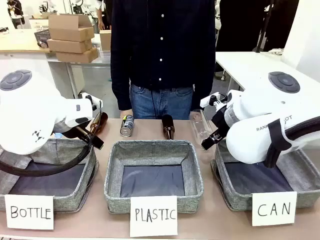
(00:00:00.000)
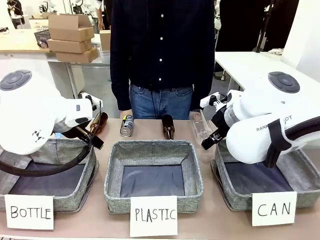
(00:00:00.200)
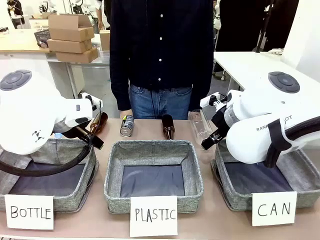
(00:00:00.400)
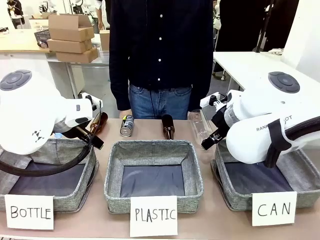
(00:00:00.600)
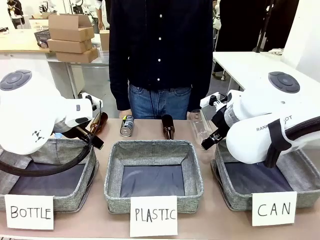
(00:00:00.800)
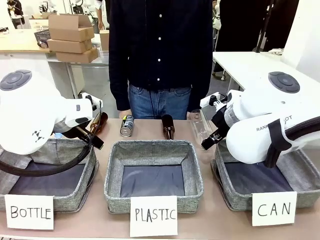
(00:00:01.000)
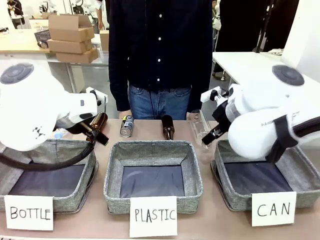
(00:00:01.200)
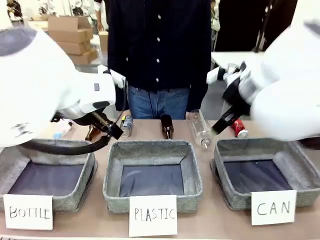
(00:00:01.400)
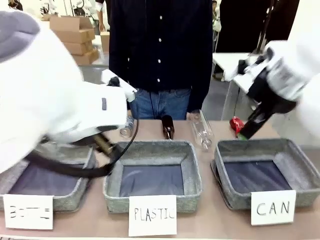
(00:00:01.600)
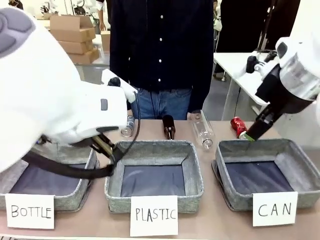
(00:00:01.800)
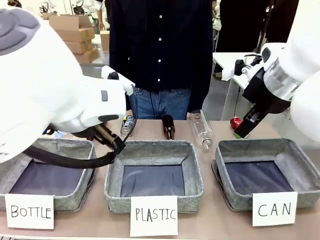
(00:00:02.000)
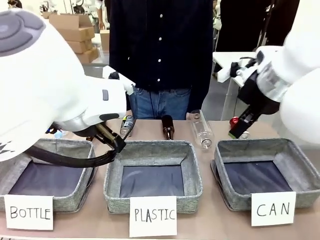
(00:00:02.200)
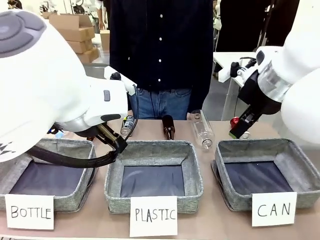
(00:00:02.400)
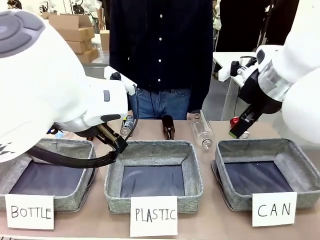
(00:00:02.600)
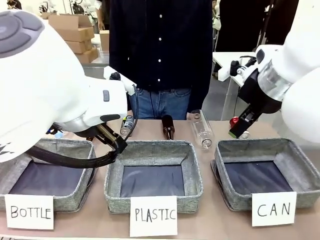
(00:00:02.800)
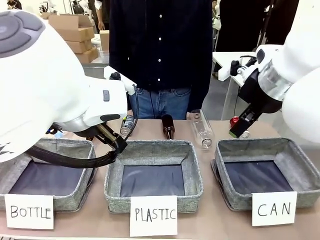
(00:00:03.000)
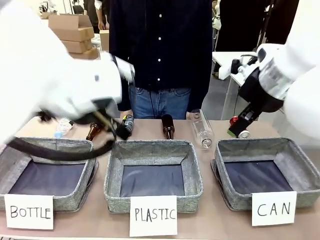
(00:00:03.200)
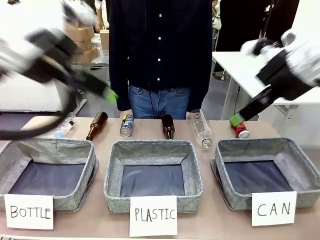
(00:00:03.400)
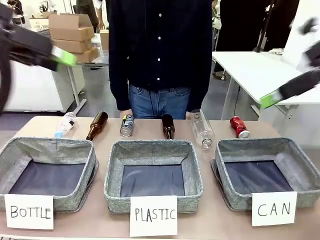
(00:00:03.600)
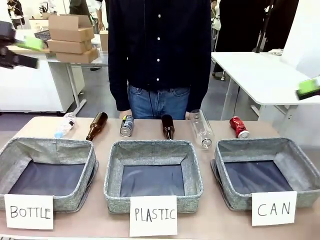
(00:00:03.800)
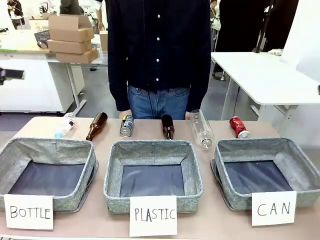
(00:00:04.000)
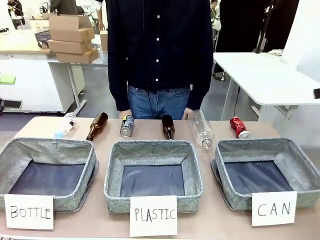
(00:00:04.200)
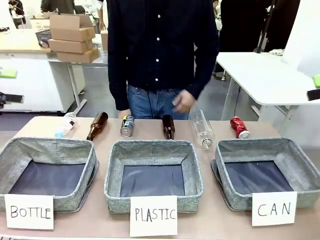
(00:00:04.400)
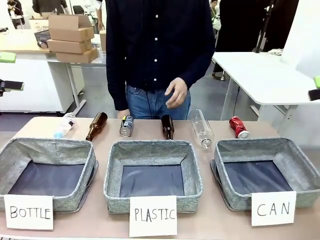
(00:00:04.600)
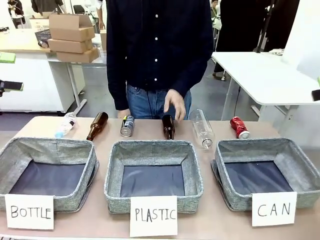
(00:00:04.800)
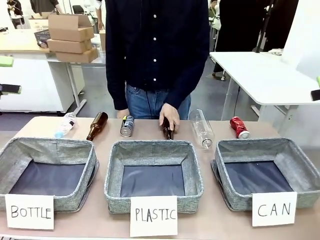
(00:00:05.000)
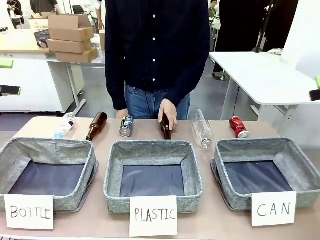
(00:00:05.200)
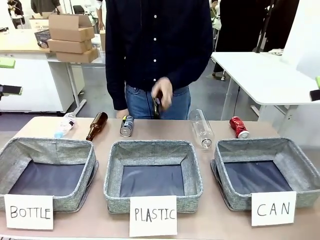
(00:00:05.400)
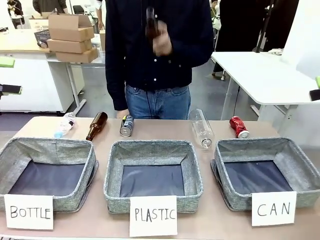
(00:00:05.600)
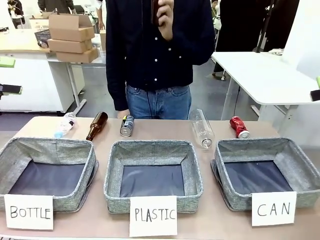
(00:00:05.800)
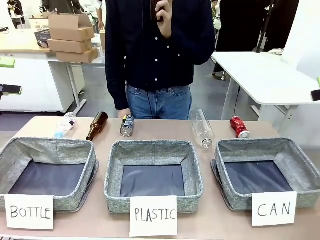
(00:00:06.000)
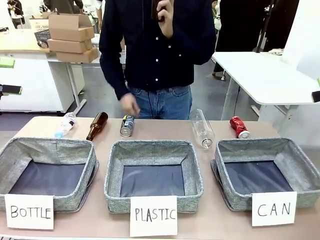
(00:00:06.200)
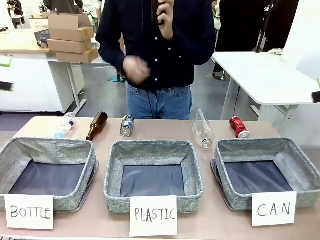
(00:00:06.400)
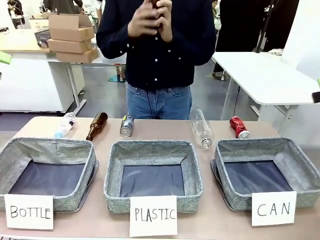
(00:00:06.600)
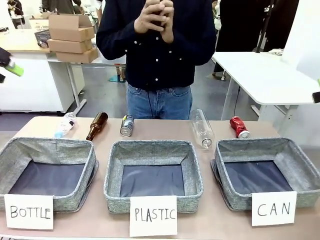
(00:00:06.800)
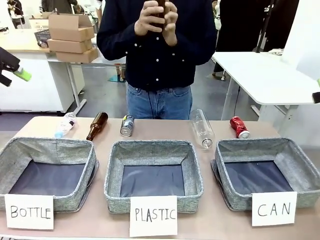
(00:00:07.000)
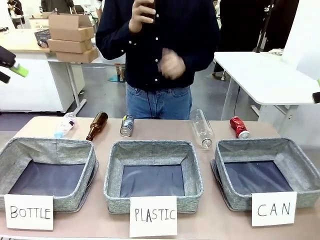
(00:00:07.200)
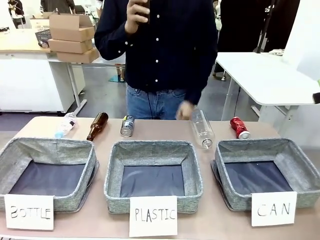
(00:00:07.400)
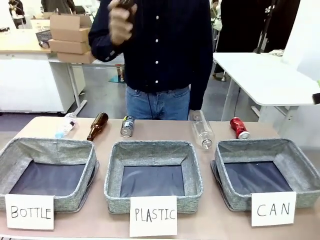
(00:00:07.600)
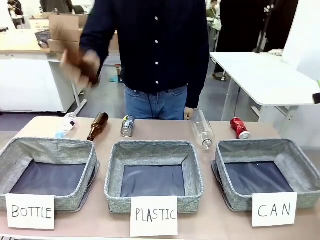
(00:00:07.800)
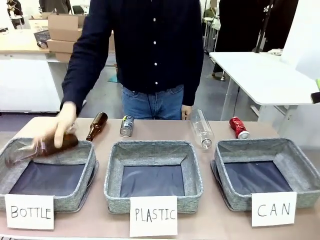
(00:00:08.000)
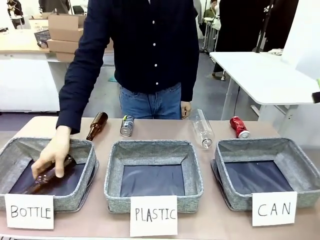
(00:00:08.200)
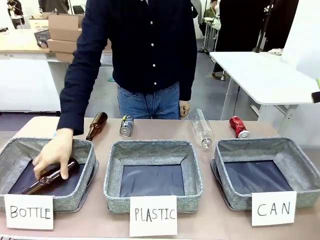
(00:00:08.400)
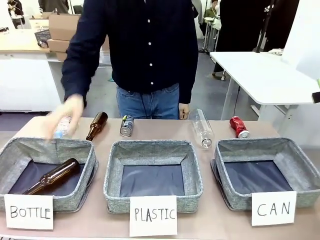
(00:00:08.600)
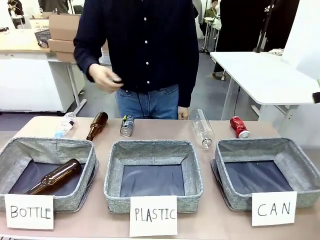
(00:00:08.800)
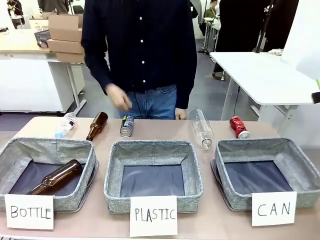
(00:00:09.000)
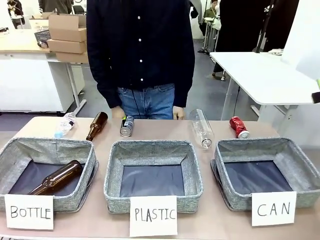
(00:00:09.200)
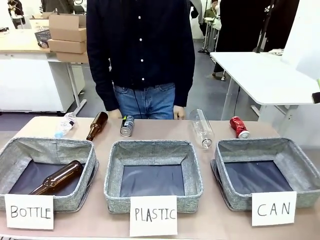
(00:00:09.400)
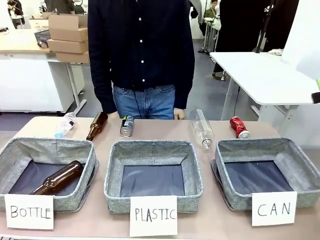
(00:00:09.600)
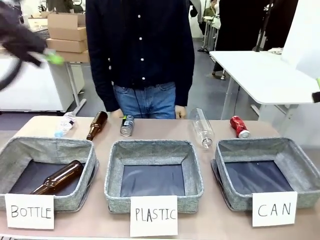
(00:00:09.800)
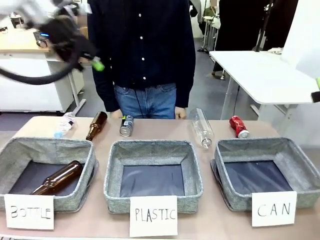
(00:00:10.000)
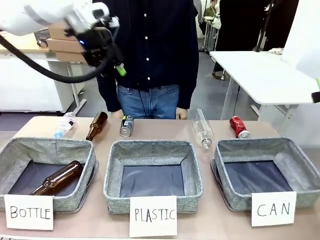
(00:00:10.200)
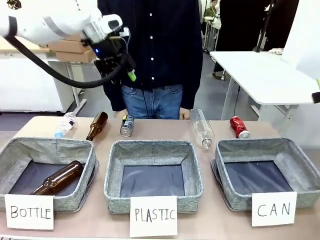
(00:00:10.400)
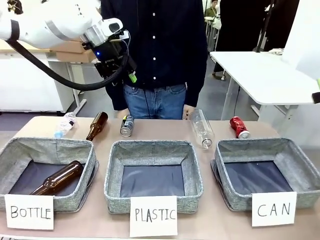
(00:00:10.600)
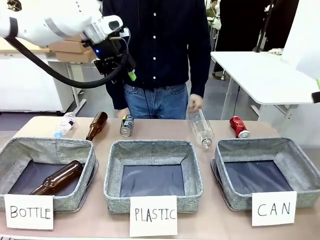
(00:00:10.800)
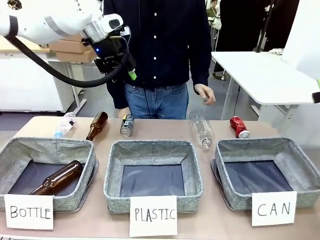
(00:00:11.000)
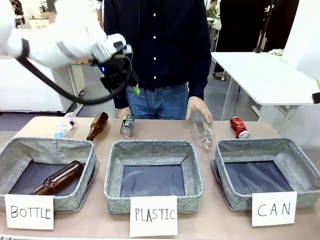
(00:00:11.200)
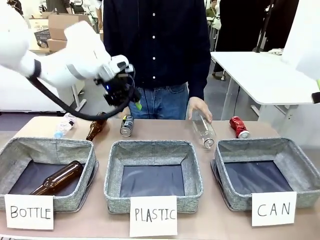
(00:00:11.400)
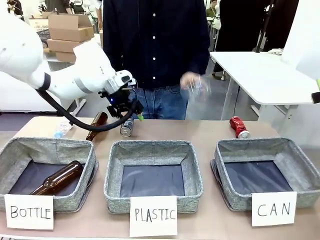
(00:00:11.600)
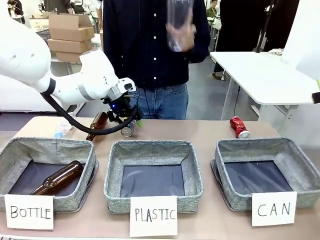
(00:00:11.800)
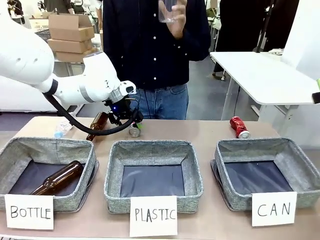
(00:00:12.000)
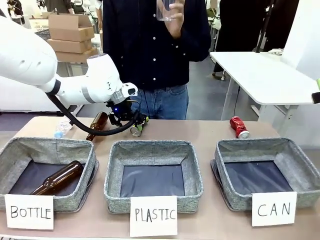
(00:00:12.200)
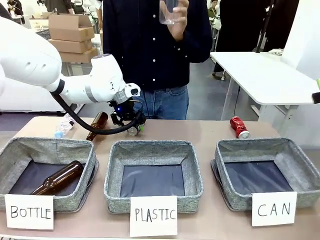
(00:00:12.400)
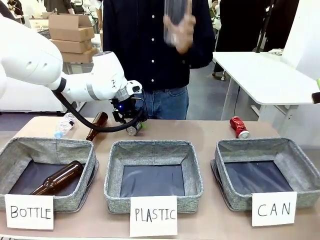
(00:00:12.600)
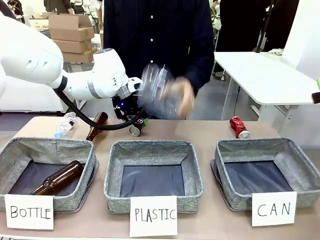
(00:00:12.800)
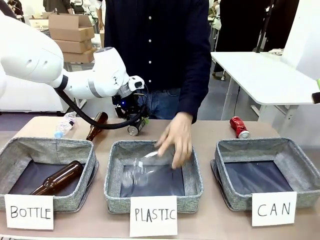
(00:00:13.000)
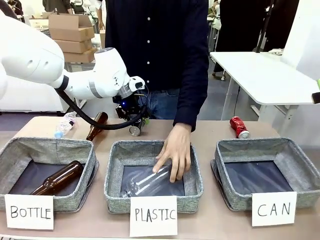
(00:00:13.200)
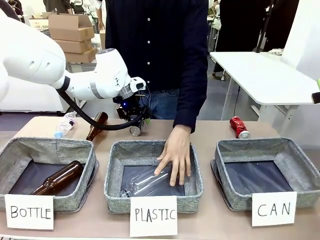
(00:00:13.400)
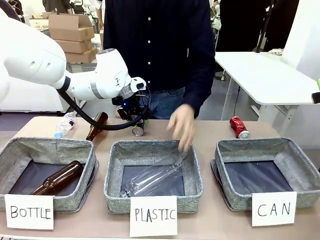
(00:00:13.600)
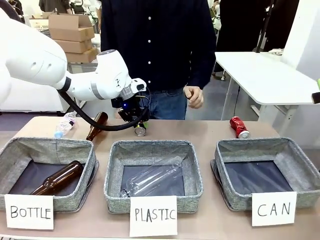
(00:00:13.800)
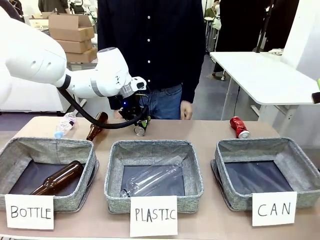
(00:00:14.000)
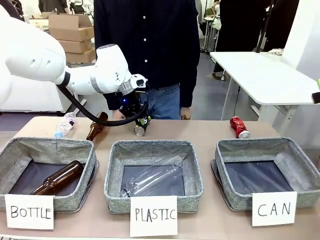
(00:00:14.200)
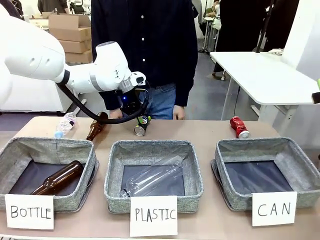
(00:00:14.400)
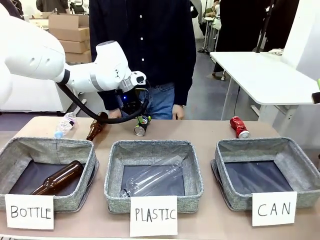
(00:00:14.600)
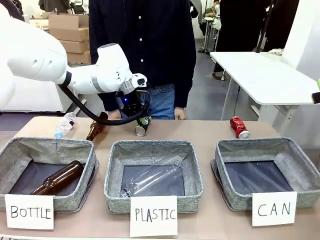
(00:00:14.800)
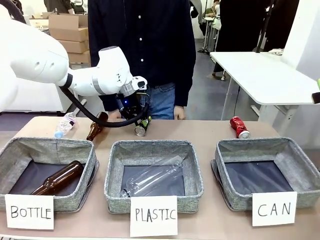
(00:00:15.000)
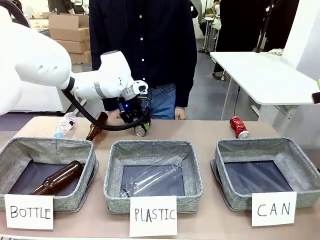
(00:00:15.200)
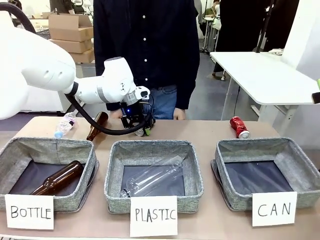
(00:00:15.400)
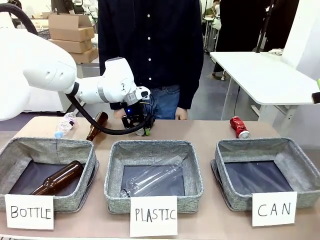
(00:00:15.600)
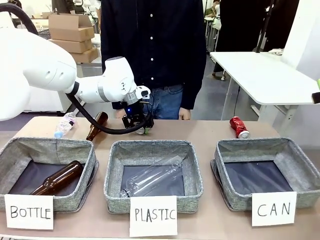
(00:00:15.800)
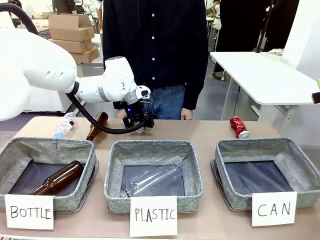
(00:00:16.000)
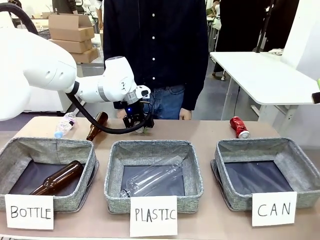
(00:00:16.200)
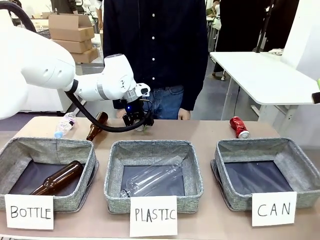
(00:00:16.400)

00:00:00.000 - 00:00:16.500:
Task: Sort the can waste into the basket.
Robot: Pick up the can waste from the table and place it in the right Fabric basket.
